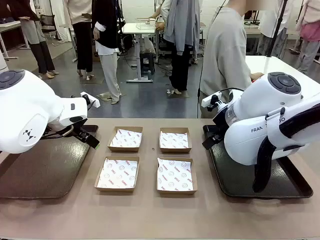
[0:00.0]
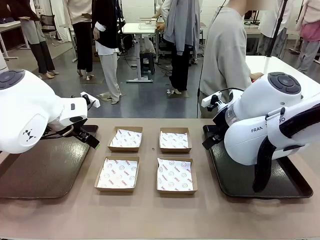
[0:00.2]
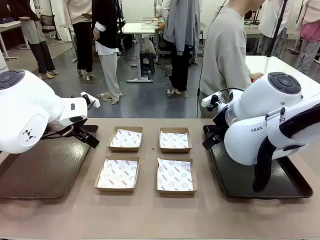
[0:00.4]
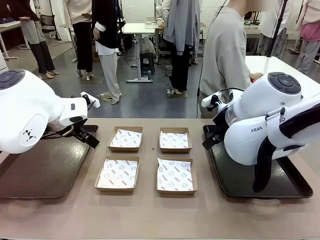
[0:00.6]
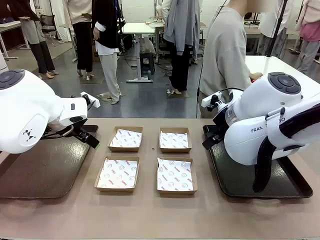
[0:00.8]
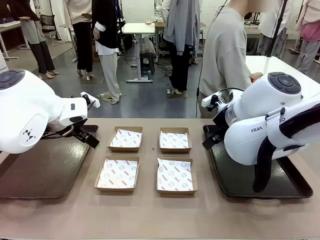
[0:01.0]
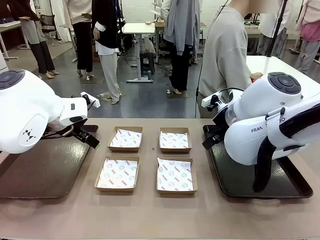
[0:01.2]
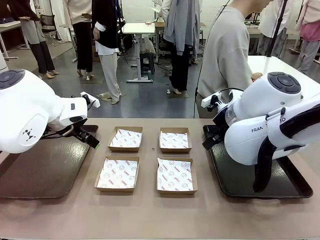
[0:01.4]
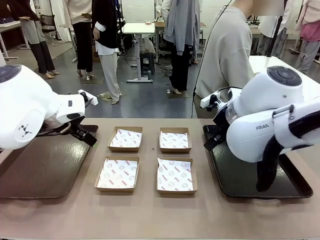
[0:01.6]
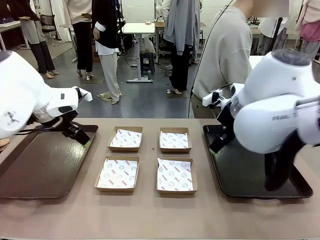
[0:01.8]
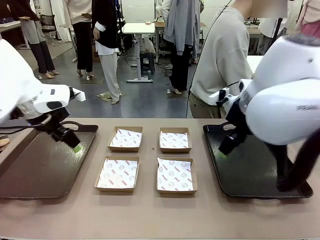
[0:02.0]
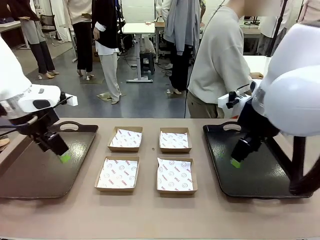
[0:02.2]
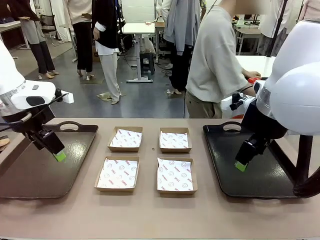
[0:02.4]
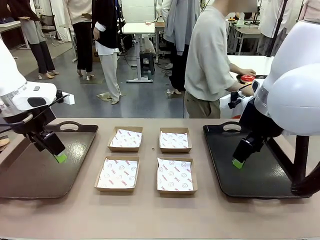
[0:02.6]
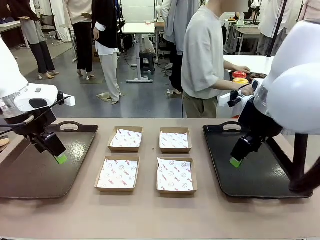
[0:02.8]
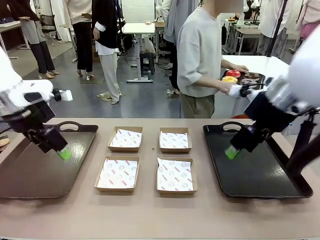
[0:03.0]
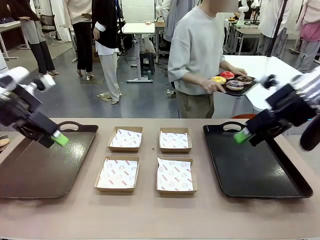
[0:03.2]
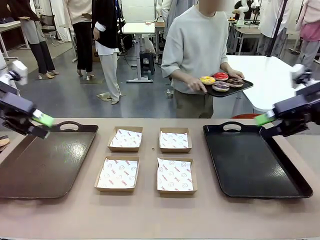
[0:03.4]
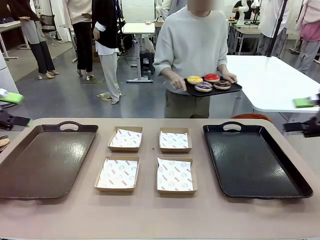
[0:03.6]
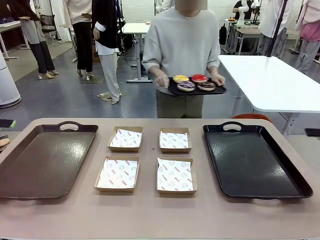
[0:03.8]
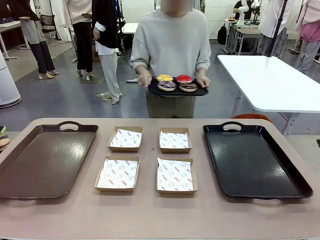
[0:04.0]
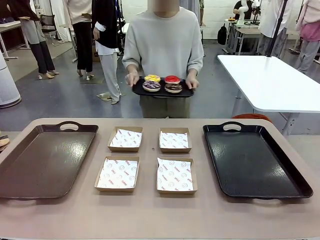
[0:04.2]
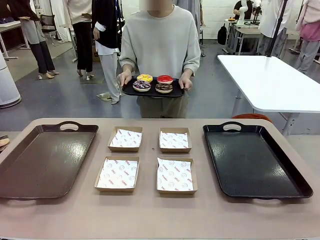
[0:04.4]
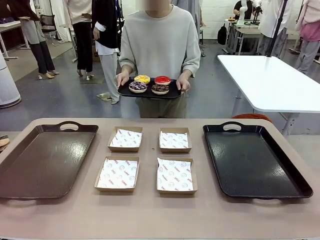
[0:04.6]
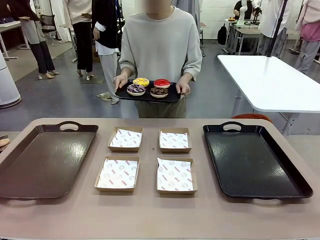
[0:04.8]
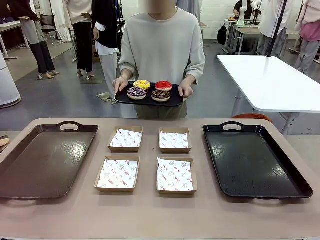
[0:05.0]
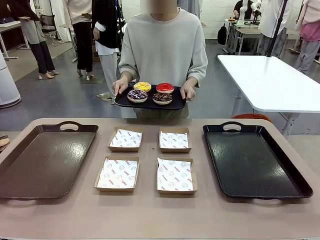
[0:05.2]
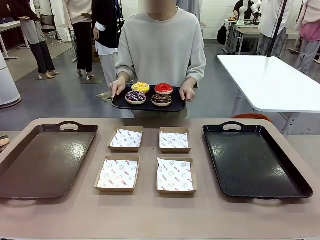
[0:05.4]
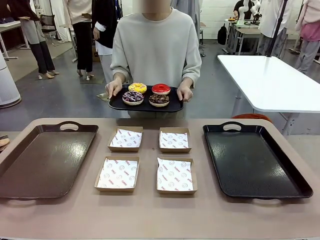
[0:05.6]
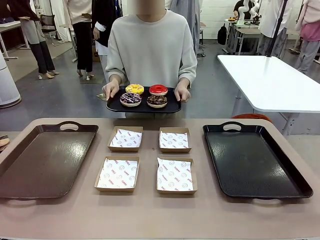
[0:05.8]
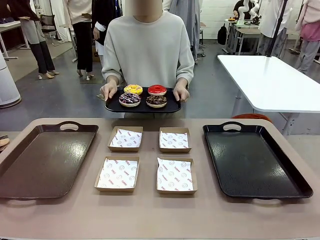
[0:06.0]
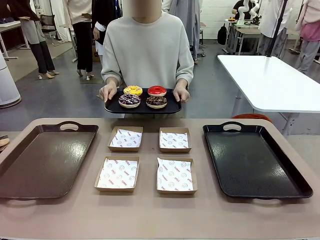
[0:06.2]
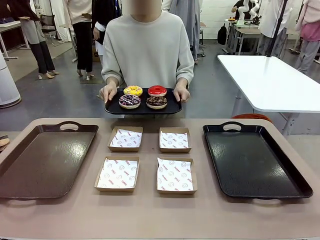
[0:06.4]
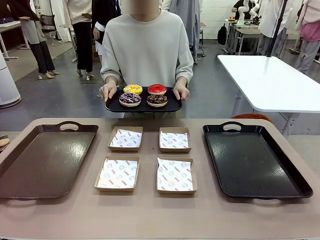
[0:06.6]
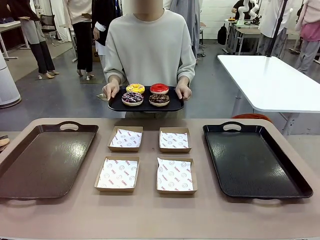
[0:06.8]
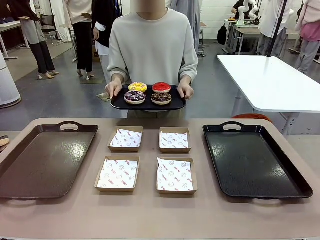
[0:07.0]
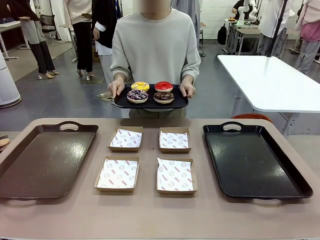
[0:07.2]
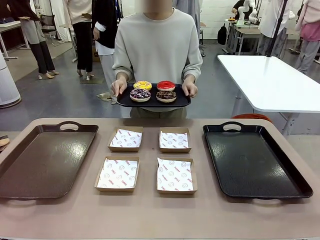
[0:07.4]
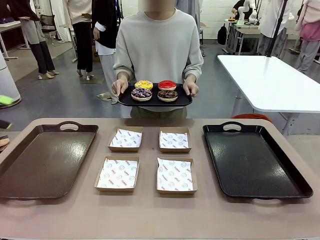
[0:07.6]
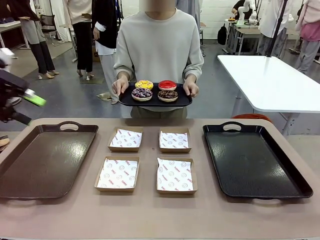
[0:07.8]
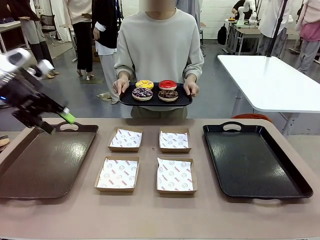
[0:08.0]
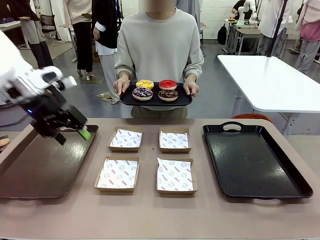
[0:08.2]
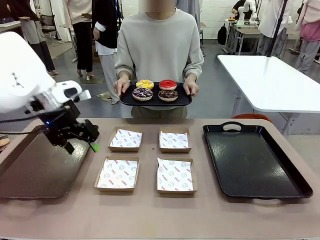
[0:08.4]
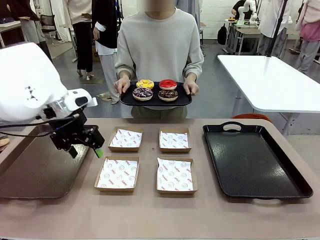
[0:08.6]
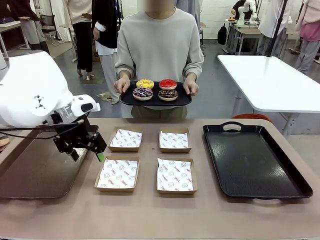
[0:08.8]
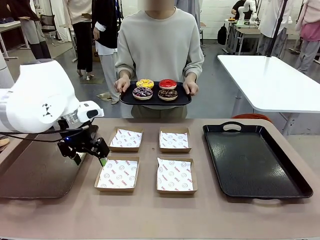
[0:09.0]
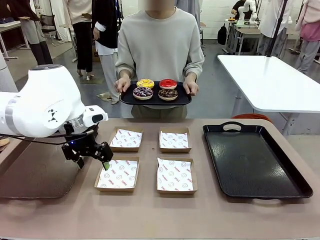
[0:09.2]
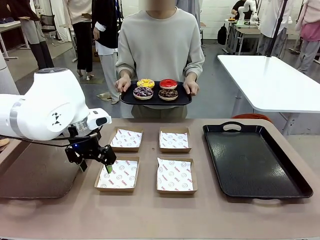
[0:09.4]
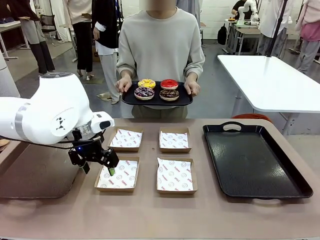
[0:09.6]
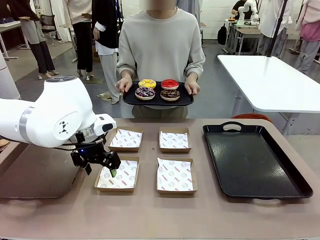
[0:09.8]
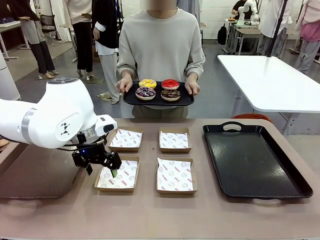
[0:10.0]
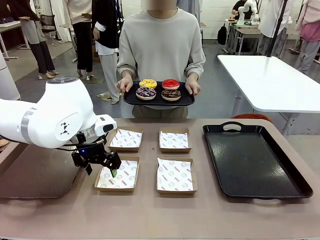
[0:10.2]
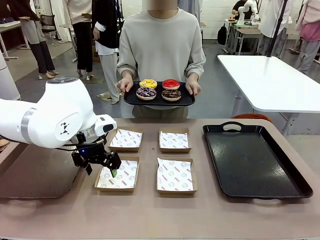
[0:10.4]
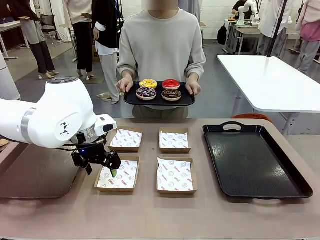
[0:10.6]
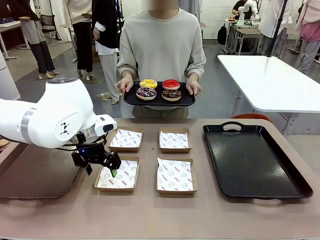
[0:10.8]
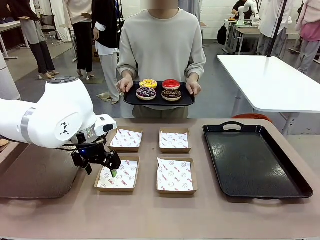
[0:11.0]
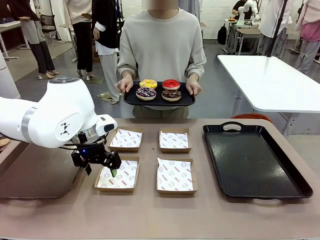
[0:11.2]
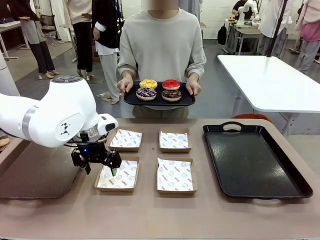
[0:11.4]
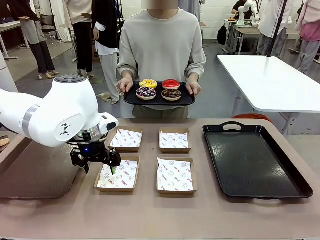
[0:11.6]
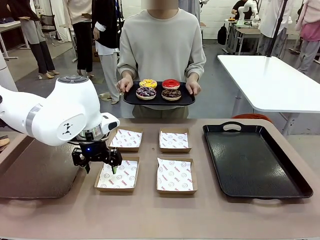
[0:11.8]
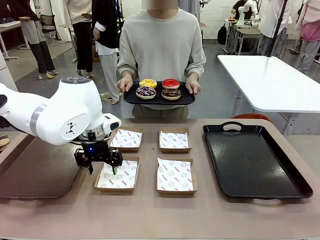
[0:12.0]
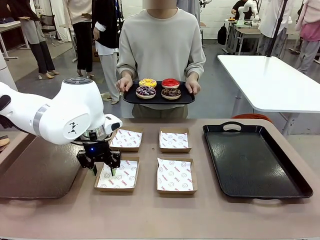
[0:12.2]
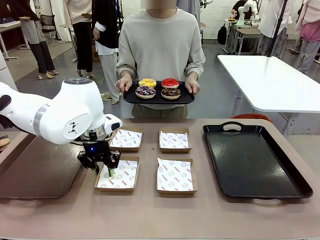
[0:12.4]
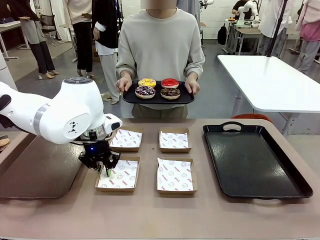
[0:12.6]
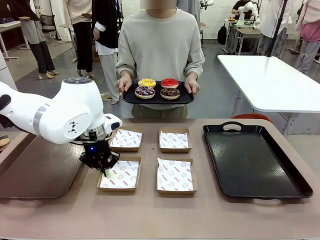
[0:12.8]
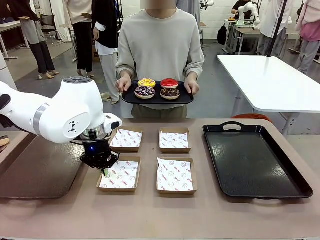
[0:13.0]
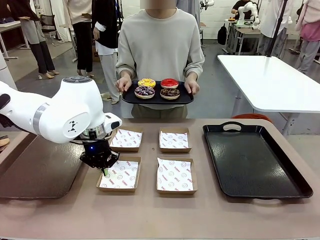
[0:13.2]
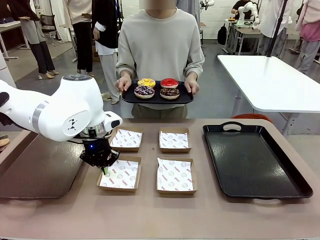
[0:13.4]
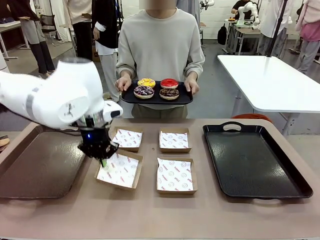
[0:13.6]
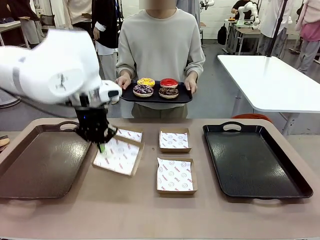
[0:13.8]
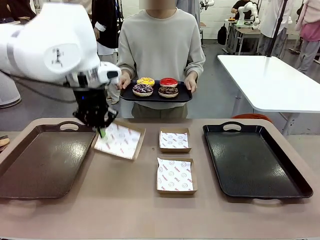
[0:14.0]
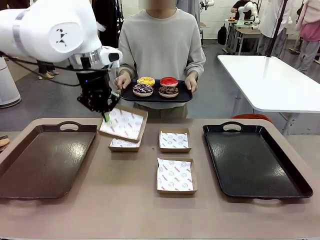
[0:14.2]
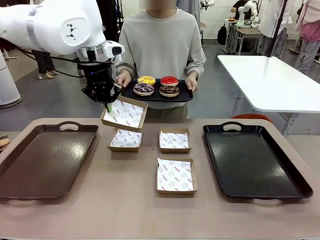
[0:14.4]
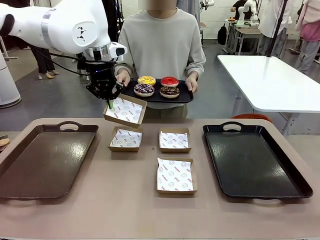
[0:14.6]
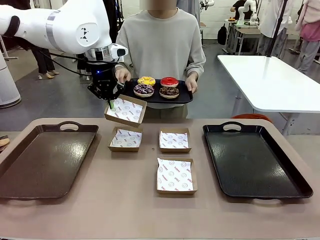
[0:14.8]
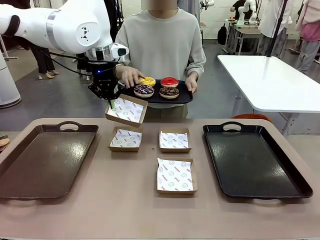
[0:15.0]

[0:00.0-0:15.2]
Task: Individually package the donuts and arrange them on the tray.
Robot: Pick up one Paper togo box.
Person: Stand in front of the robot table holding the tray containing the donuts.
